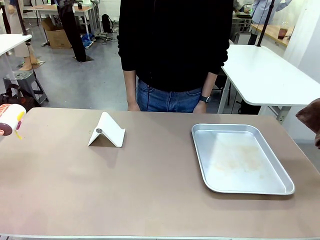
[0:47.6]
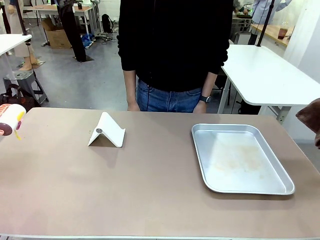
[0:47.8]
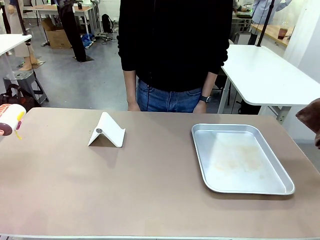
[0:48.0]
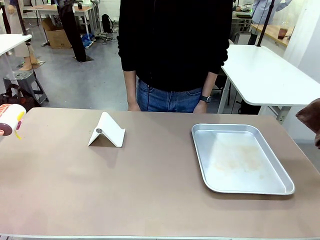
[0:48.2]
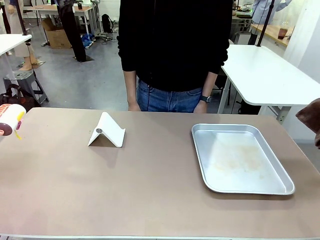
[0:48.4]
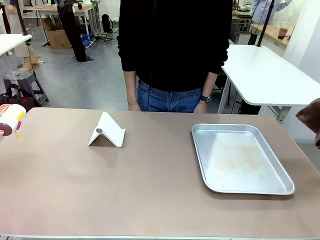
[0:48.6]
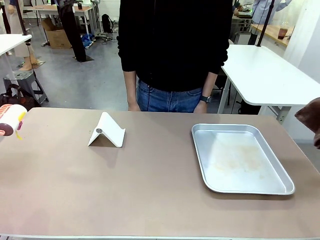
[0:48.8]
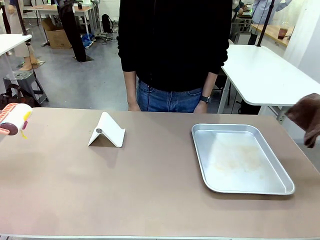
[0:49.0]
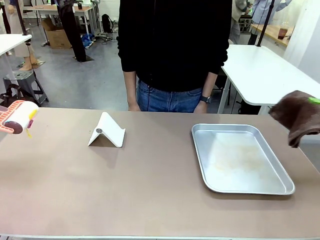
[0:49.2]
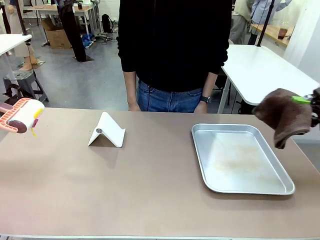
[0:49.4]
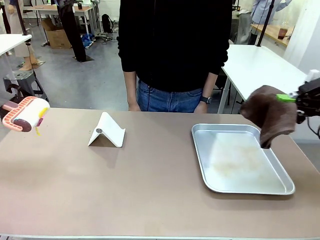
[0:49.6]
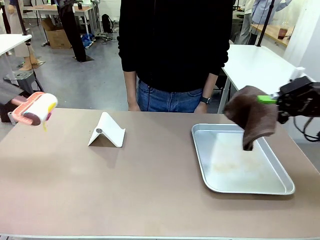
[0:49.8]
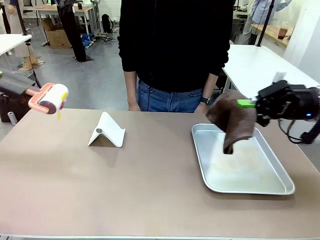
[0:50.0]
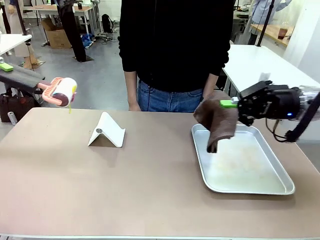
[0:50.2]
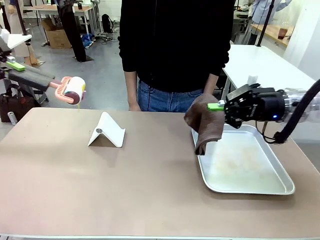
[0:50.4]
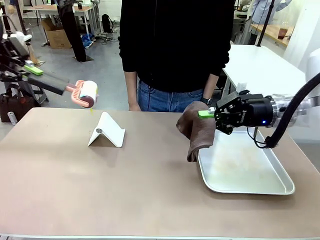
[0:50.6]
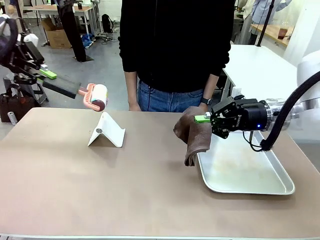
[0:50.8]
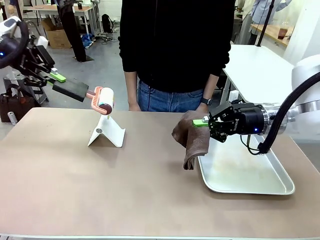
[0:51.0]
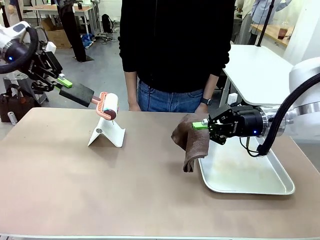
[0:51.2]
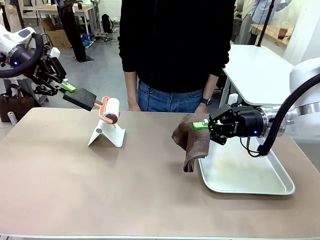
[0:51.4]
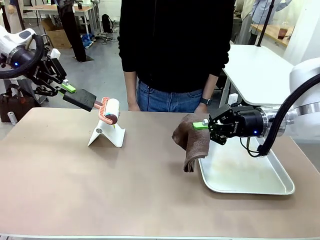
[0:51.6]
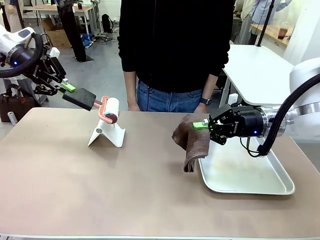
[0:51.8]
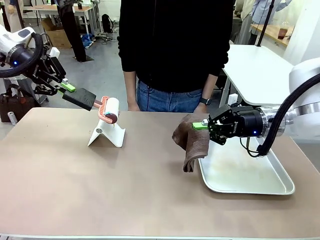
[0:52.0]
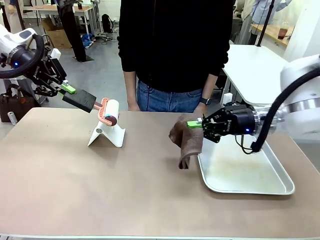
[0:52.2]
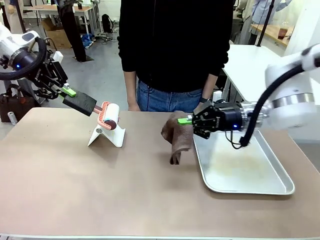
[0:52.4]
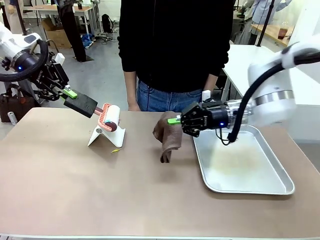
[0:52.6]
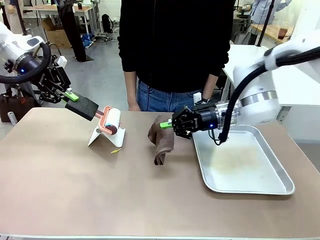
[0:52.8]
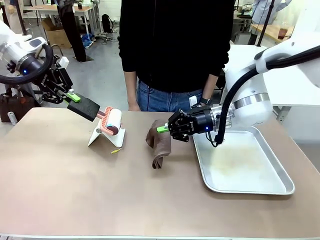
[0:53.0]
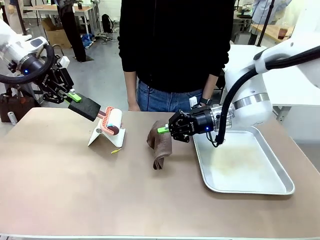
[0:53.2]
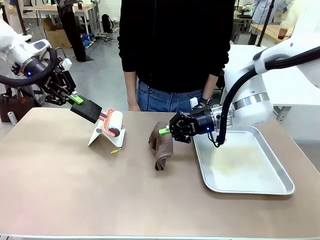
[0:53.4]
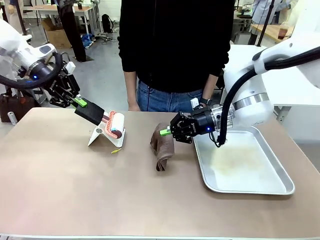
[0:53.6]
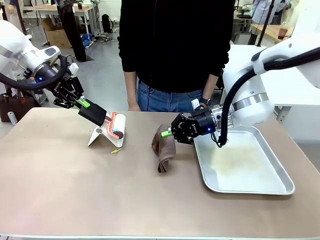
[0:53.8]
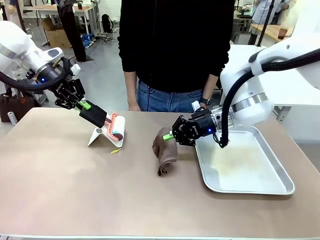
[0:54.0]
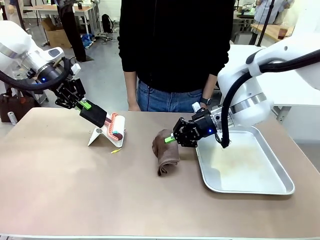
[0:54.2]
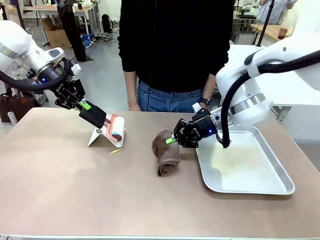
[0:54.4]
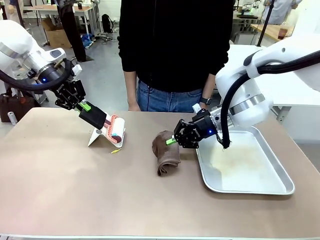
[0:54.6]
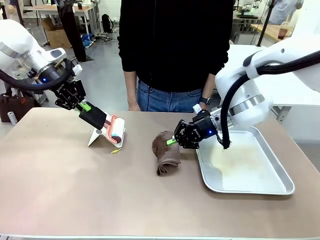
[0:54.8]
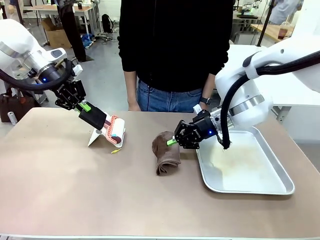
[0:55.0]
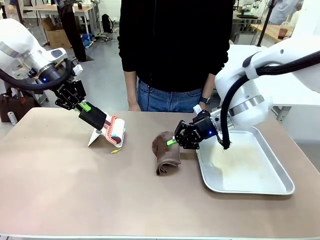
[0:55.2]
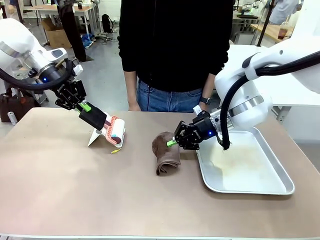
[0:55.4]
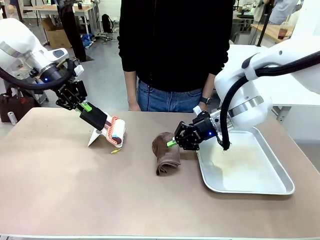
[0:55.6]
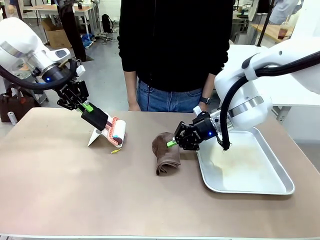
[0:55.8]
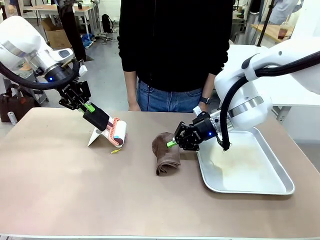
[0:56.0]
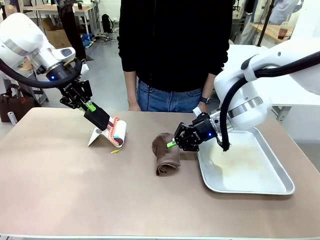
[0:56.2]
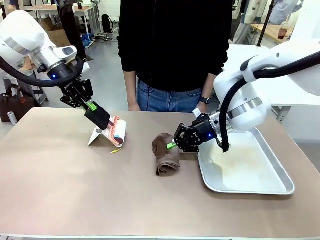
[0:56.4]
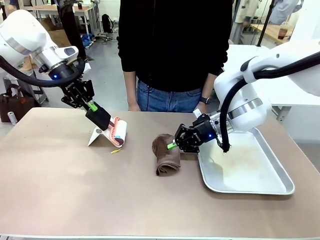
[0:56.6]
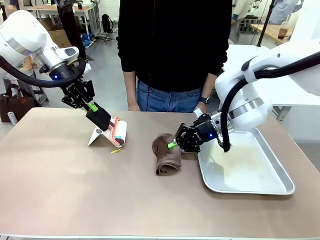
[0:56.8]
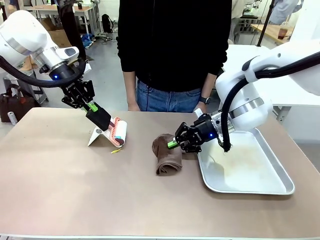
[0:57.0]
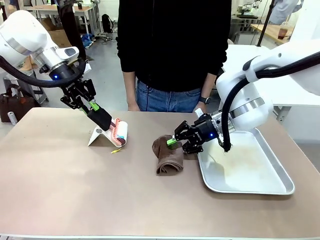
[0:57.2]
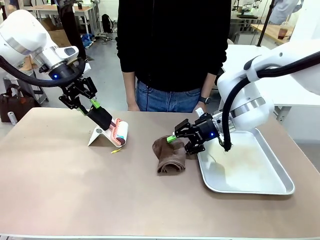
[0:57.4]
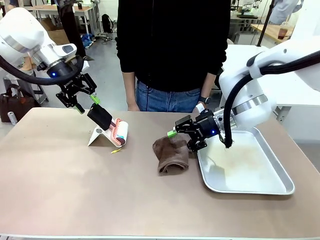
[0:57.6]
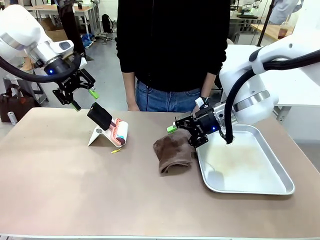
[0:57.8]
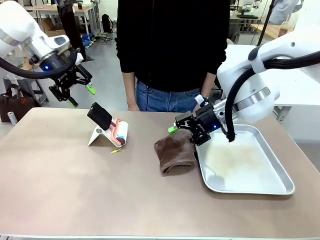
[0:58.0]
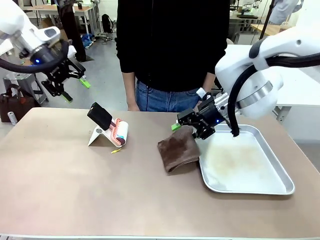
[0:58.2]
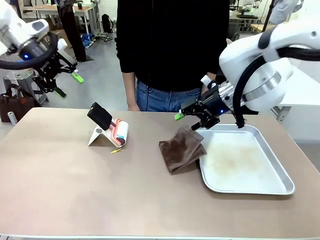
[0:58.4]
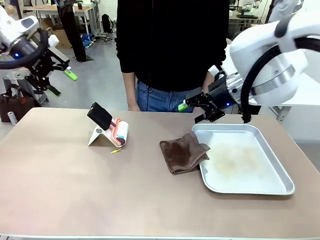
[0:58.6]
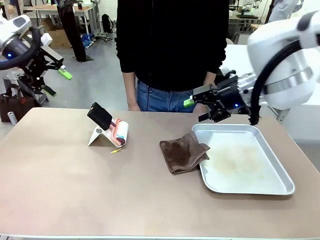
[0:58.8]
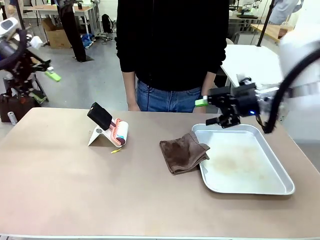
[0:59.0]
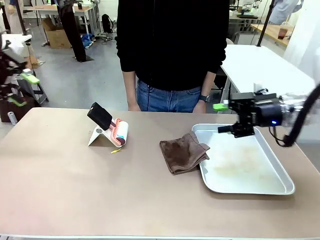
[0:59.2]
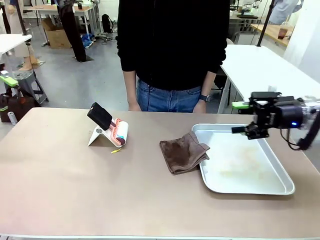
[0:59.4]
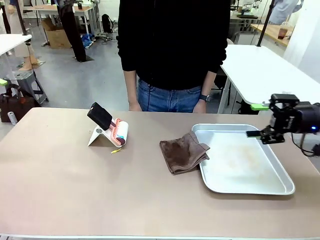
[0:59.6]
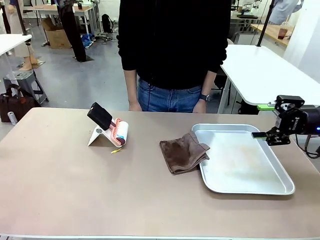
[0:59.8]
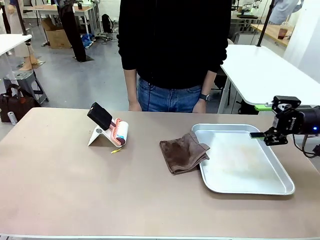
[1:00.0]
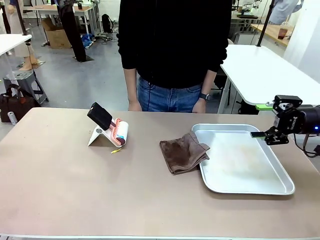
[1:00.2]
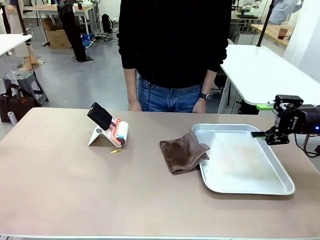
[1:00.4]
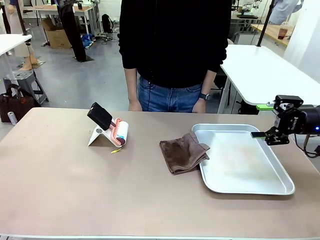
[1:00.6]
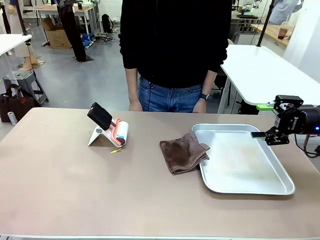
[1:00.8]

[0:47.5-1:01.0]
Task: Clean the surface of the table.
Robot: Return the Lint Roller and towel to their original positions.

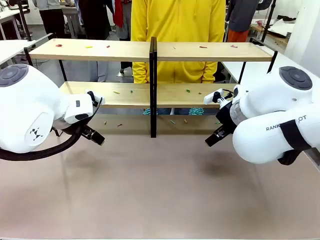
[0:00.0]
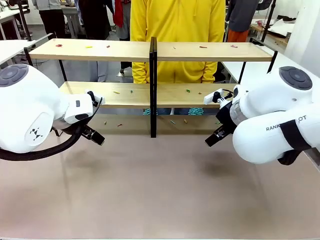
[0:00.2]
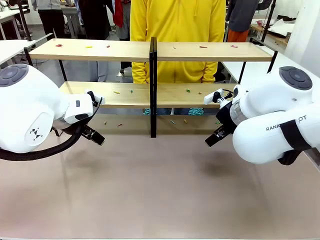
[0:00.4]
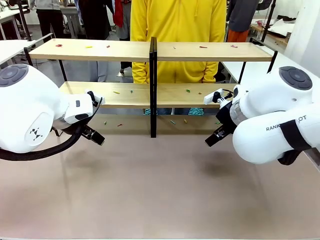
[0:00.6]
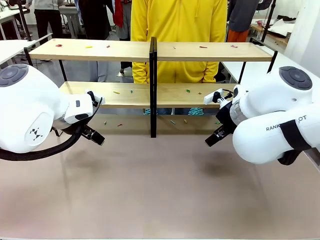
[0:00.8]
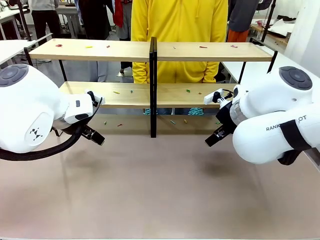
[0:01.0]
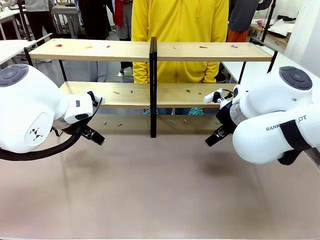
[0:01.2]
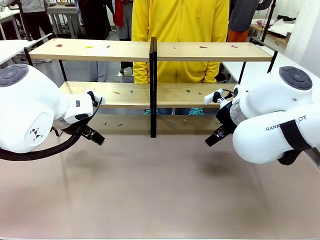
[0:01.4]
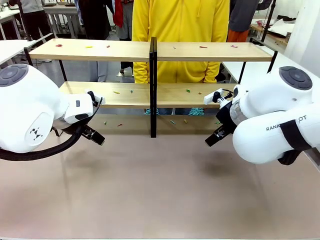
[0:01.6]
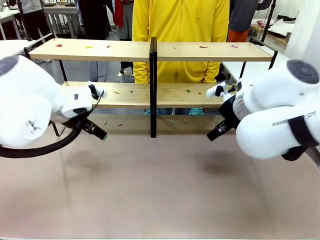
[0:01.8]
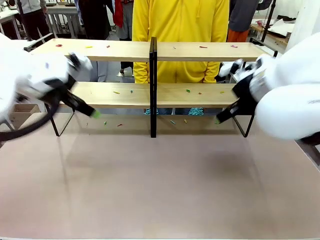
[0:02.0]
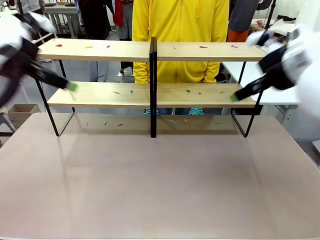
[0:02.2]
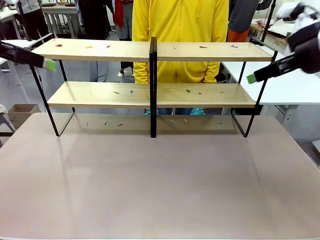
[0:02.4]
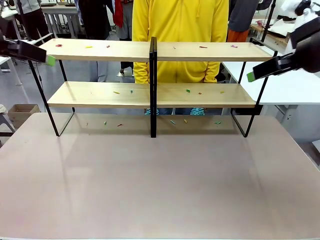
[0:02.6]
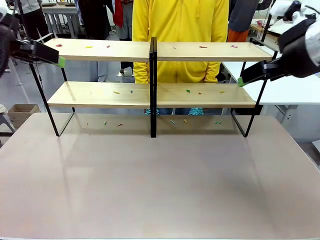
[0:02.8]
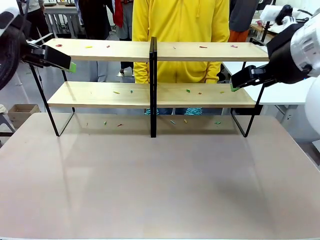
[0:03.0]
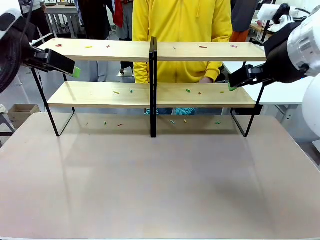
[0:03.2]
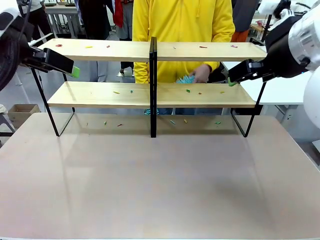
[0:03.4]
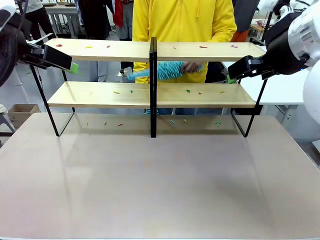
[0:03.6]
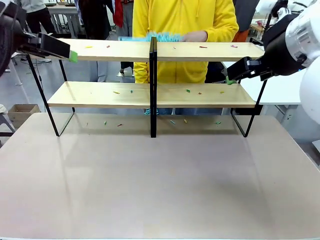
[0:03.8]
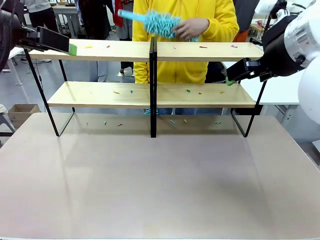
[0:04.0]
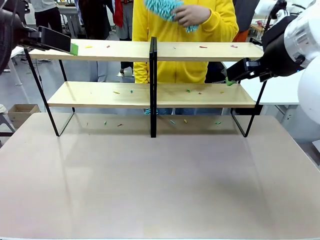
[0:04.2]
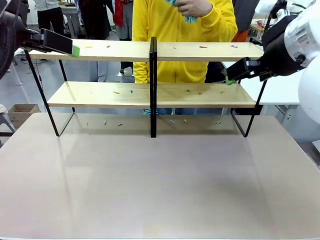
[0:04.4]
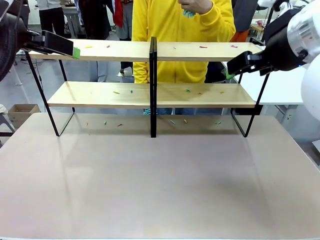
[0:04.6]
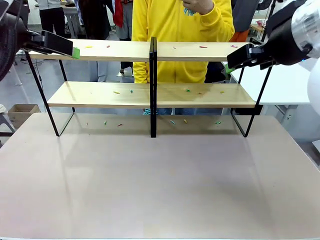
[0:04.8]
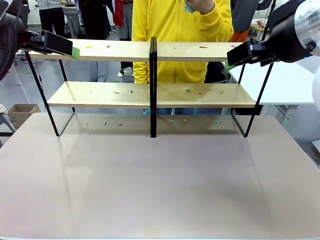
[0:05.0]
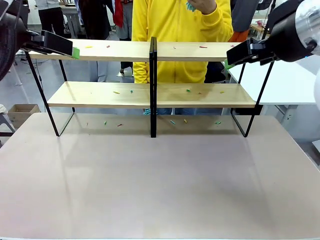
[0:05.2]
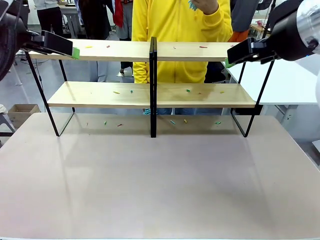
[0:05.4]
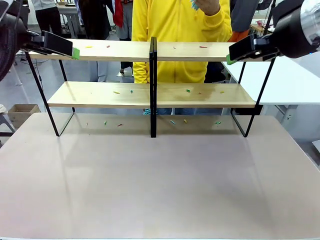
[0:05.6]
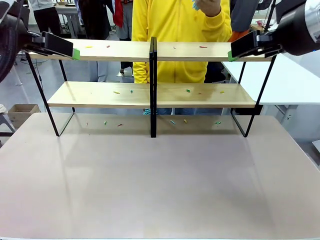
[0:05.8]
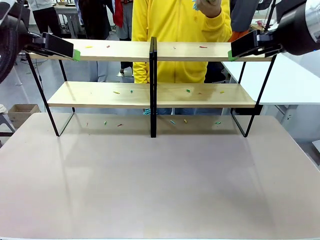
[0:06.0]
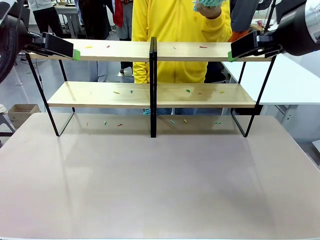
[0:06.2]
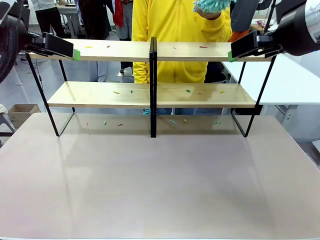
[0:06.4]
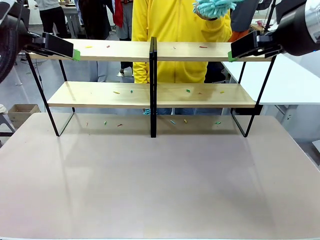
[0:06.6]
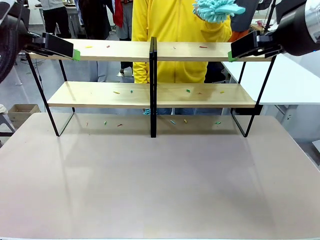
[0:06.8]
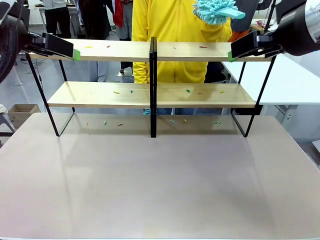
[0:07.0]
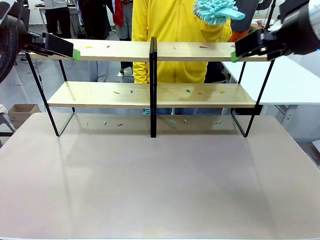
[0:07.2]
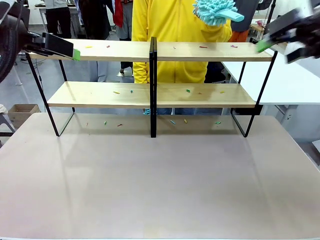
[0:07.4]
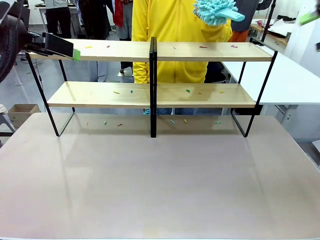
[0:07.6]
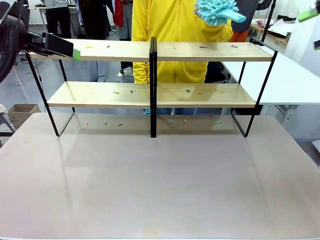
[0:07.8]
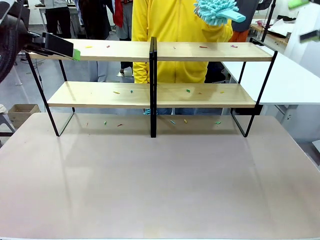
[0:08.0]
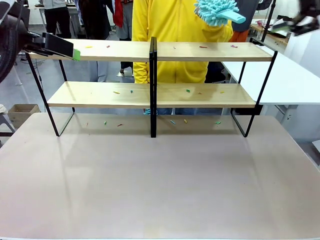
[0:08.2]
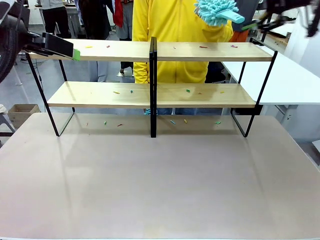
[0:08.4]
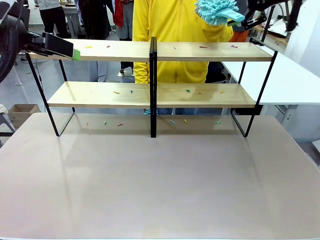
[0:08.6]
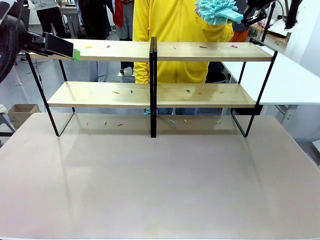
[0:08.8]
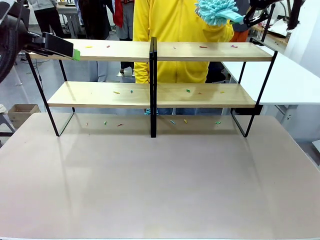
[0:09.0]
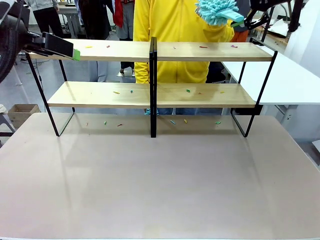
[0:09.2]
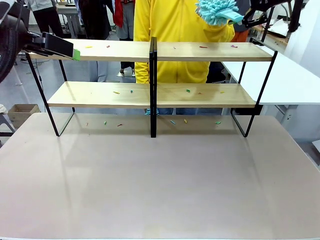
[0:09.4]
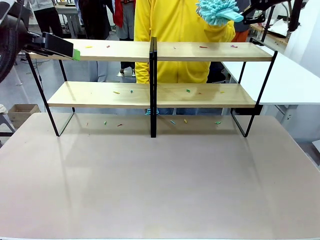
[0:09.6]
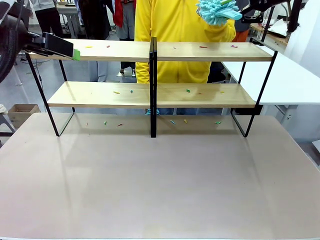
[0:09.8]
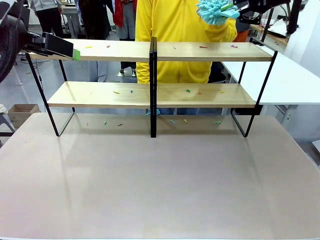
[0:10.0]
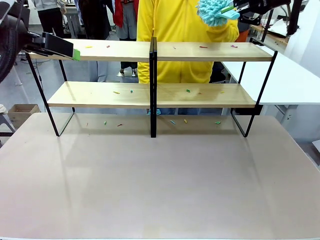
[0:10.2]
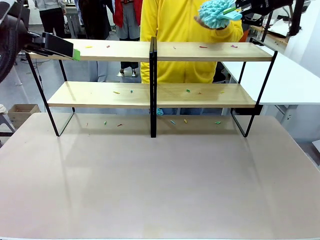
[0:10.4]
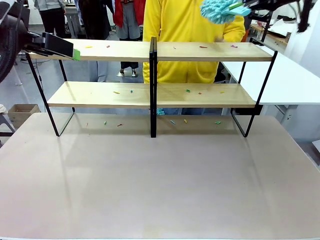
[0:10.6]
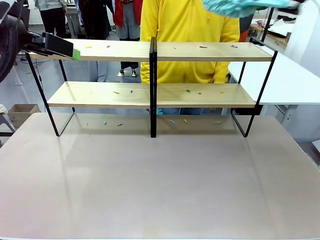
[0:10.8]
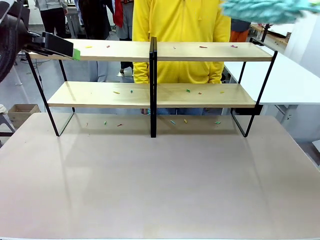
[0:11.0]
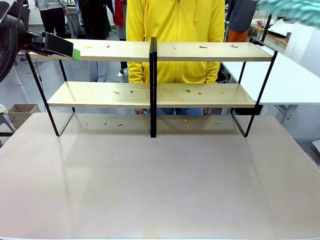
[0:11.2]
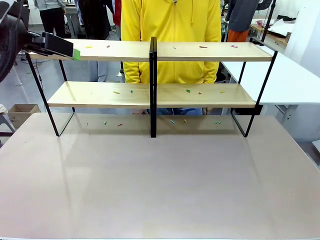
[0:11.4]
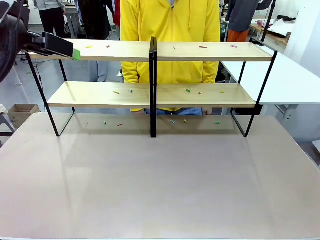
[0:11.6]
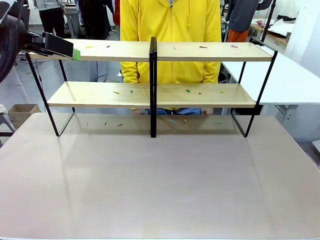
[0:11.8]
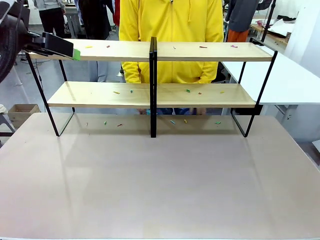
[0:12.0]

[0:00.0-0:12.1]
Task: Clean the shelves.
Robot: Pick up the Duster when the human hands it over.
Person: Hand the Duster to the robot with your right (or left) hand.
